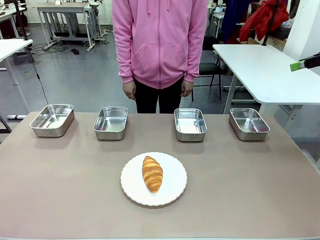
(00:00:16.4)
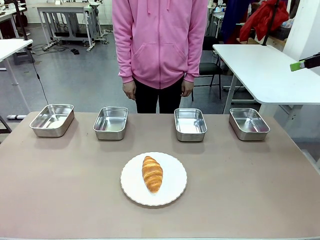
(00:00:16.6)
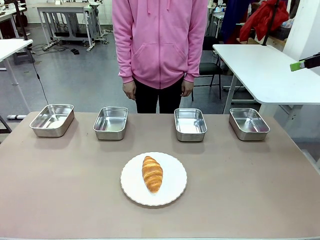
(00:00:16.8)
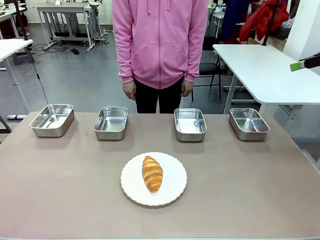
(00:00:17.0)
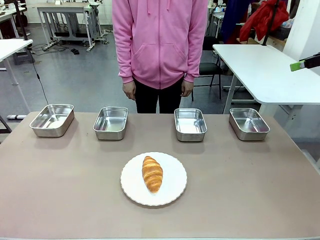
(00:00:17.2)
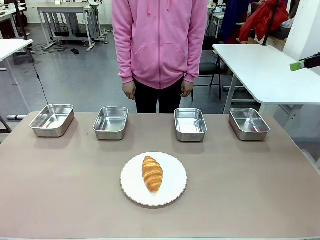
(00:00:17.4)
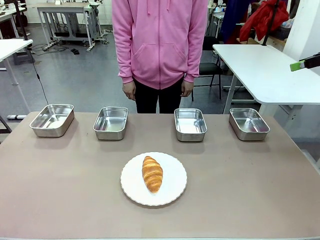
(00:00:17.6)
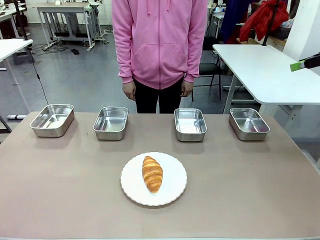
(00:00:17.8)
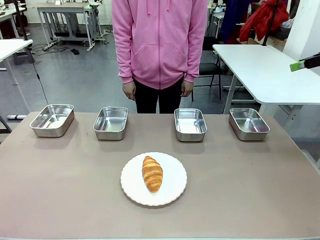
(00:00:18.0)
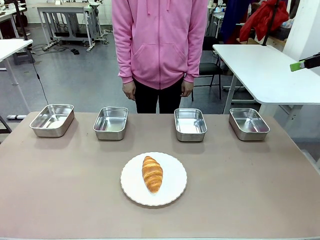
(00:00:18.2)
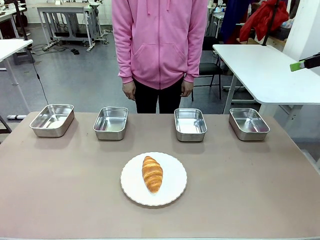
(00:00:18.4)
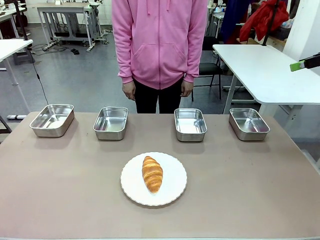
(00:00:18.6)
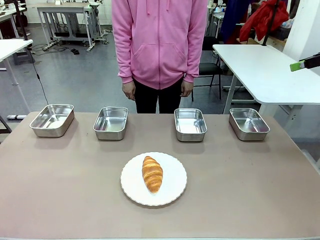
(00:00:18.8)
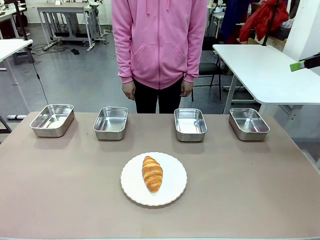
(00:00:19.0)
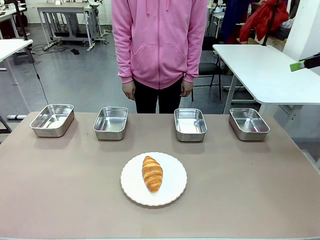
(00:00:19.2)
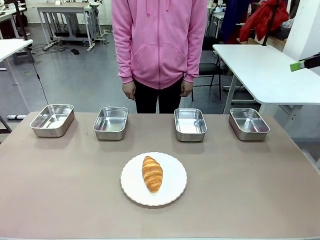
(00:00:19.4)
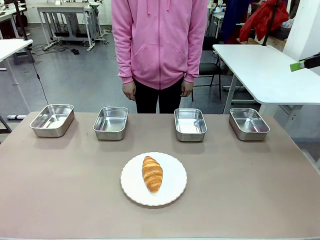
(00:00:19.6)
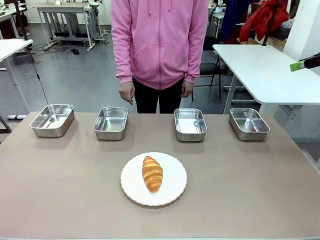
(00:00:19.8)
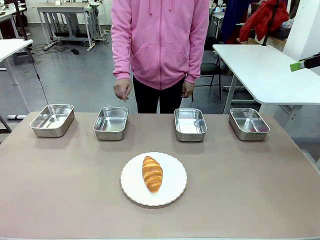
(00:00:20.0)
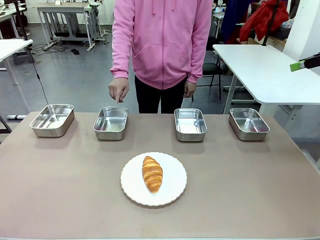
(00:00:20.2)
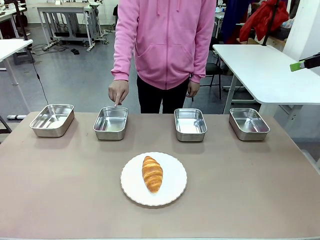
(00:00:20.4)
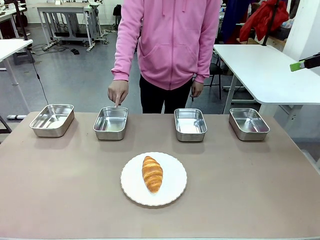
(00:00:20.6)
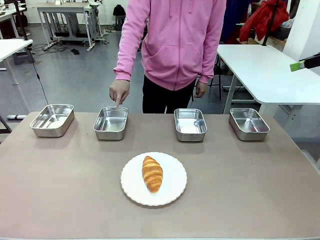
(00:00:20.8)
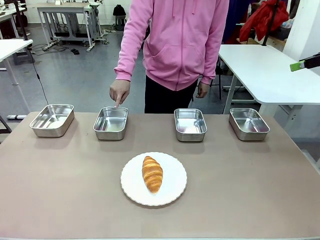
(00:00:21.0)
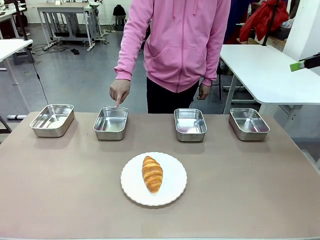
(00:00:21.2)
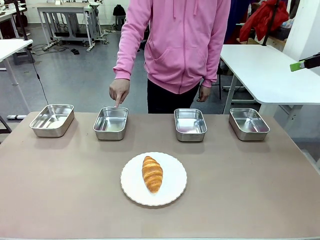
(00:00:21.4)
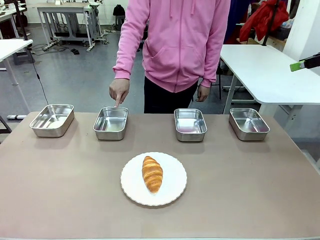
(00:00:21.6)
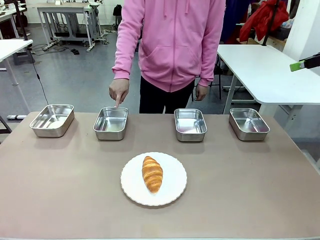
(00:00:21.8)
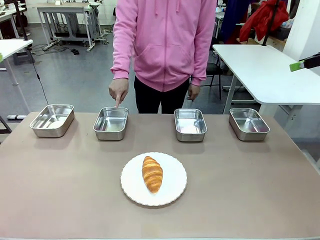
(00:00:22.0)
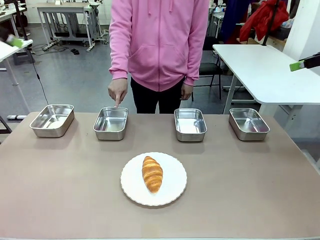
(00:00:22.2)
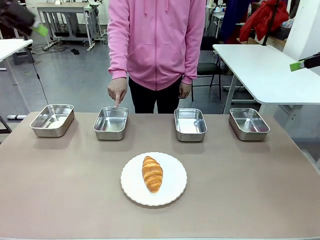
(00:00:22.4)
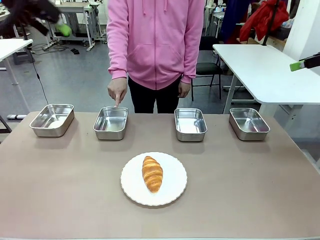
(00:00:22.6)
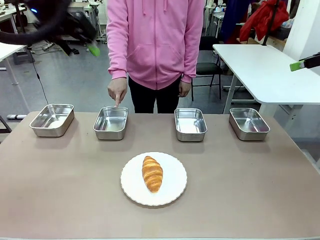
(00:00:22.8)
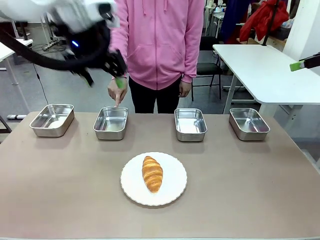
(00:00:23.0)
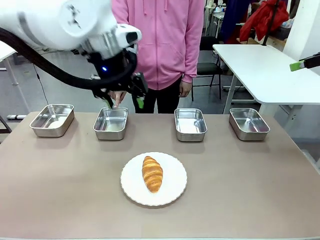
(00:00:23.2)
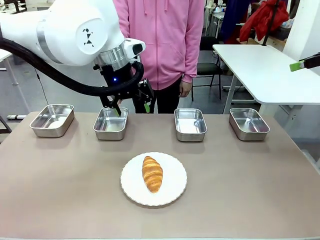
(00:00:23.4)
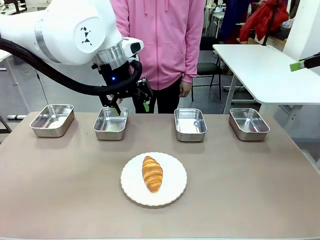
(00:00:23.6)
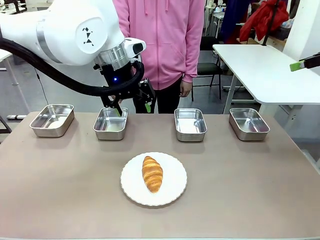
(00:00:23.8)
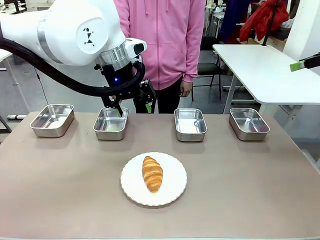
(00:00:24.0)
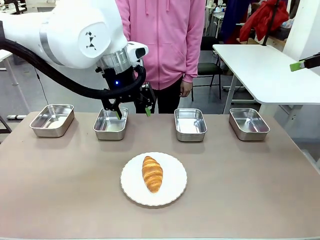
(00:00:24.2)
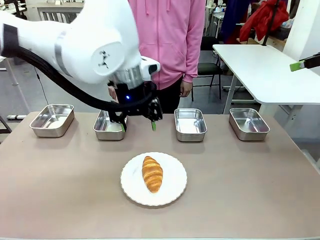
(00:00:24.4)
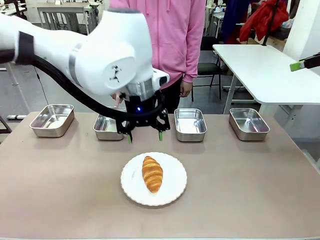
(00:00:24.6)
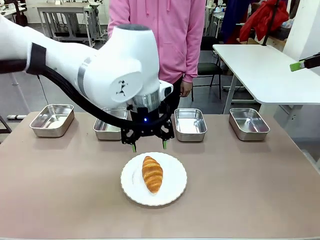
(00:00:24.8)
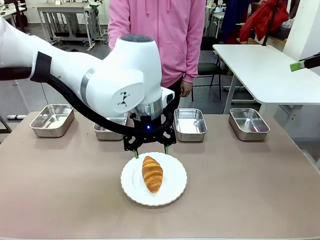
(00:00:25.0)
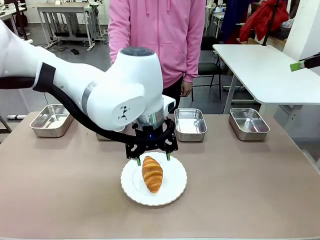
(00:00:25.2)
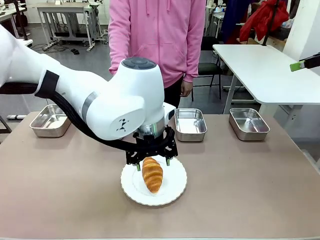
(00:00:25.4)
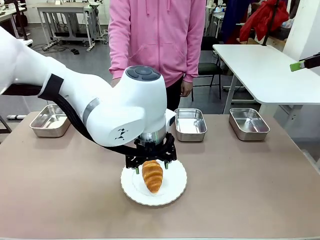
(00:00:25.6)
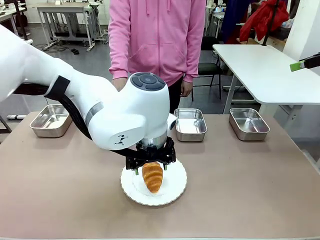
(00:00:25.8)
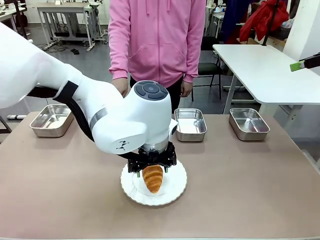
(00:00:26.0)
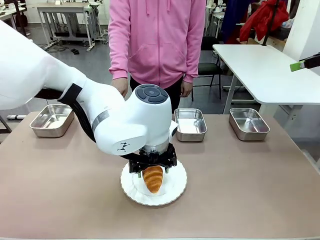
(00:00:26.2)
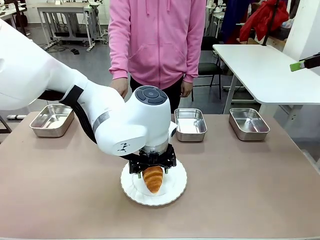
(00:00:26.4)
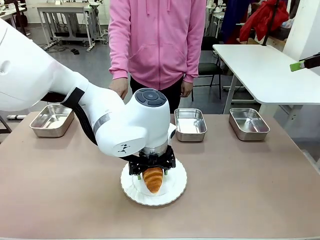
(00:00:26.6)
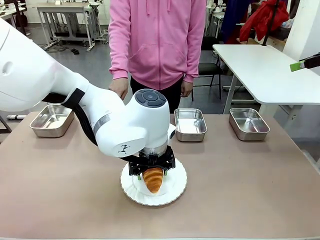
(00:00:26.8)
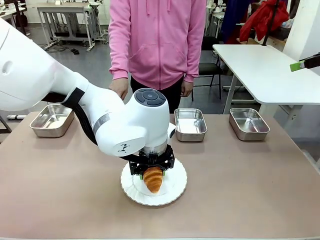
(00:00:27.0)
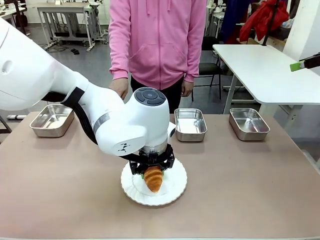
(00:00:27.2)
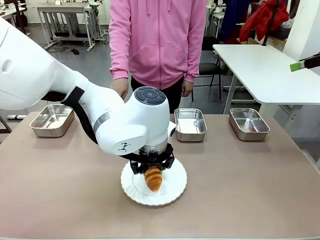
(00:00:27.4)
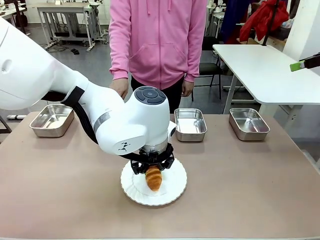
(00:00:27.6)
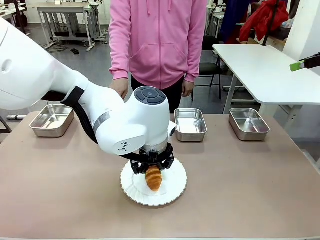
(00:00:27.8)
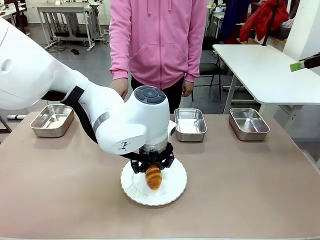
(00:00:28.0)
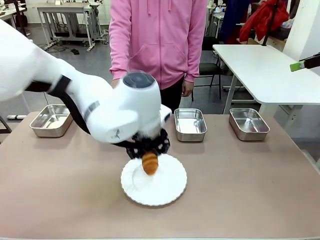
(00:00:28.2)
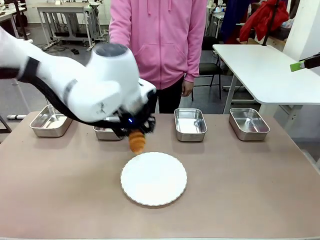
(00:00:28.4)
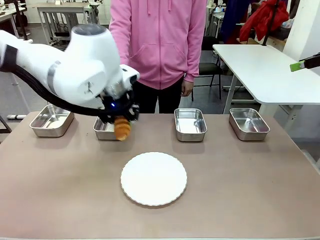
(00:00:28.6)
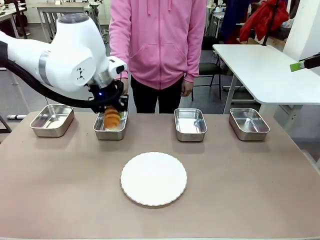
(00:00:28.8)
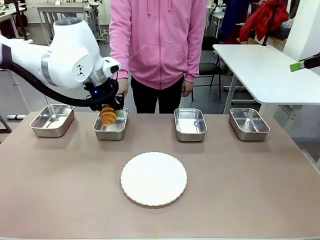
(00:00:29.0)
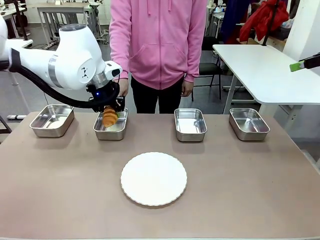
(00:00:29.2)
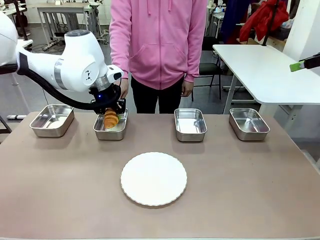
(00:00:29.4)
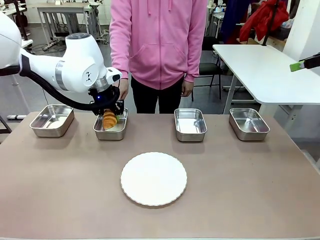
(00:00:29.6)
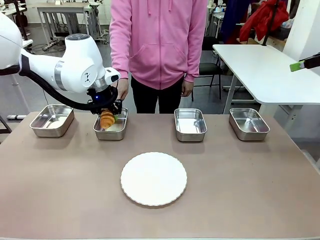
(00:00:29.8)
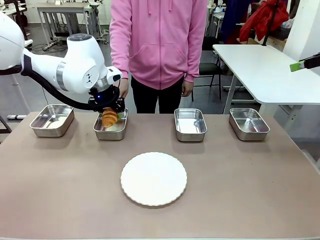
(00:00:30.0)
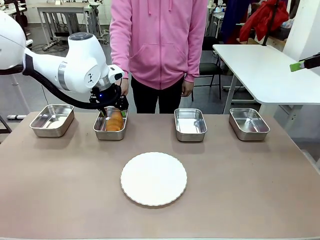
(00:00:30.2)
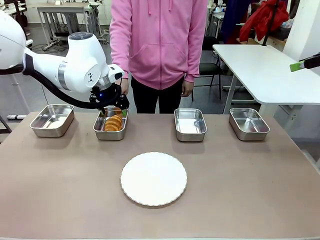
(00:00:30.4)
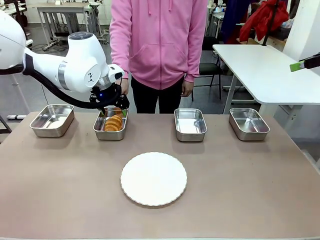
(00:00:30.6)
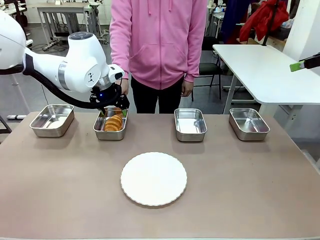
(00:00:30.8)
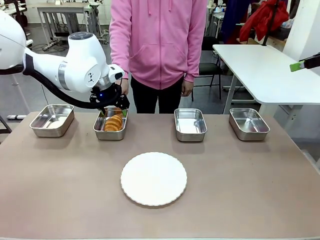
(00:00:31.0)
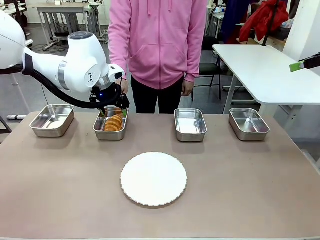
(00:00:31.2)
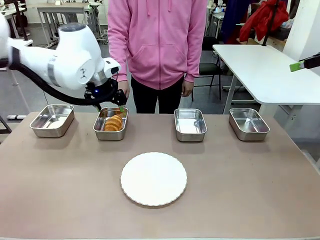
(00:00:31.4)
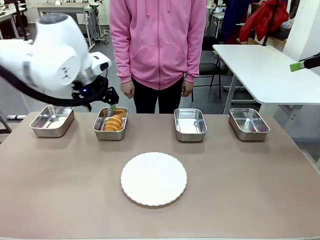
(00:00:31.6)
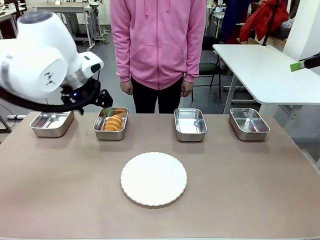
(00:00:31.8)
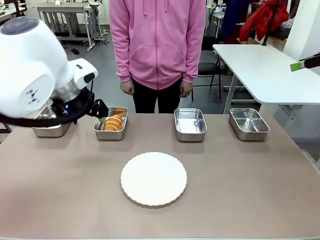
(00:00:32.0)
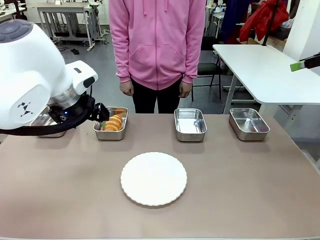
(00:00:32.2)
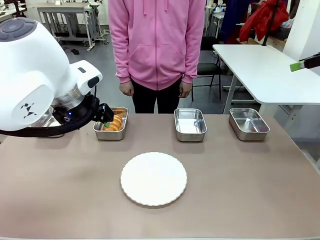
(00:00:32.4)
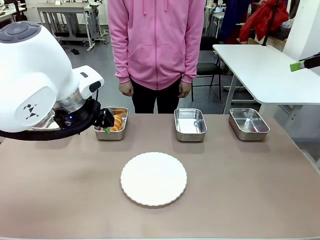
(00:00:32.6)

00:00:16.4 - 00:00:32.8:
Task: Place the bread in the container.
Robot: Place the Butter Roll into the Airtight Container indicated by the human.
